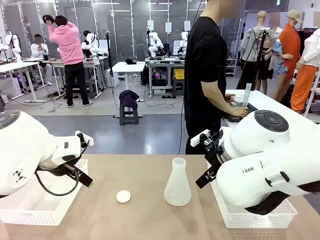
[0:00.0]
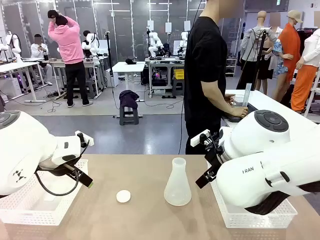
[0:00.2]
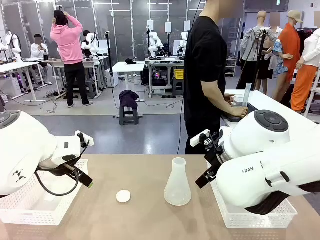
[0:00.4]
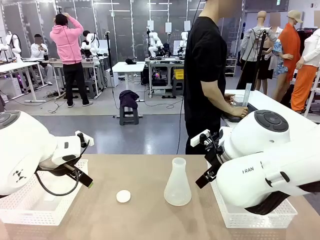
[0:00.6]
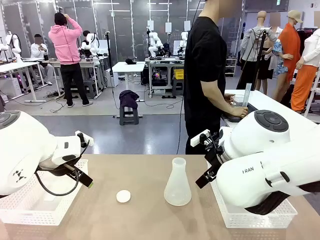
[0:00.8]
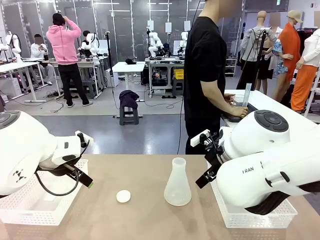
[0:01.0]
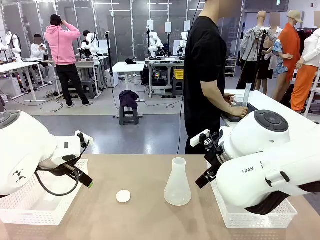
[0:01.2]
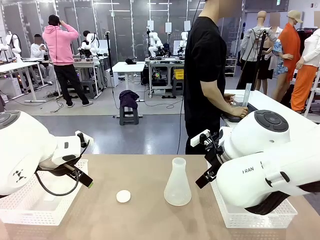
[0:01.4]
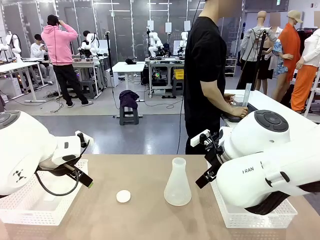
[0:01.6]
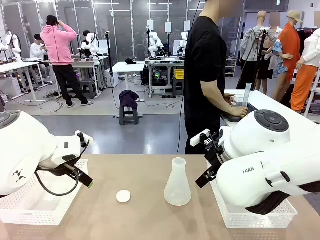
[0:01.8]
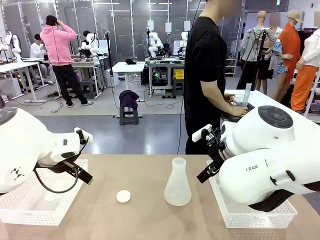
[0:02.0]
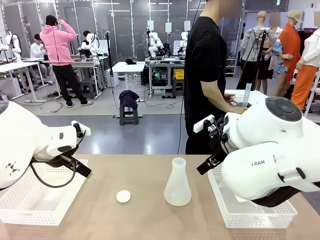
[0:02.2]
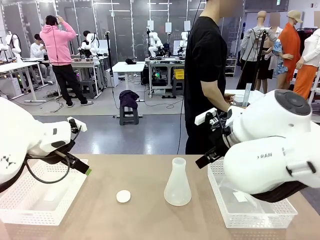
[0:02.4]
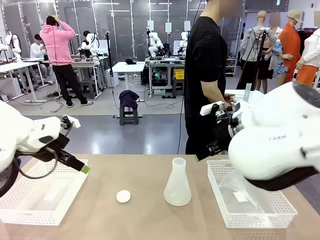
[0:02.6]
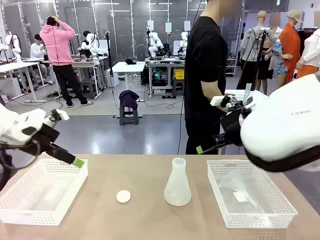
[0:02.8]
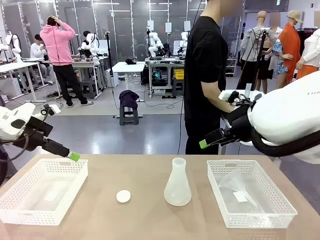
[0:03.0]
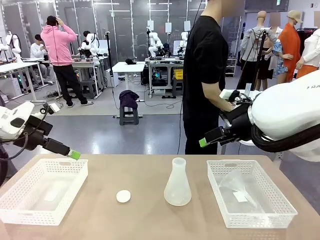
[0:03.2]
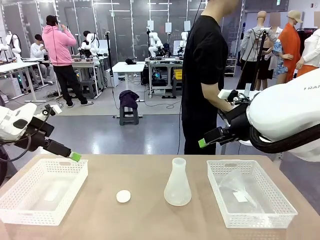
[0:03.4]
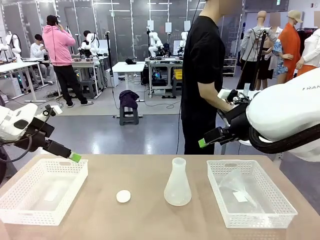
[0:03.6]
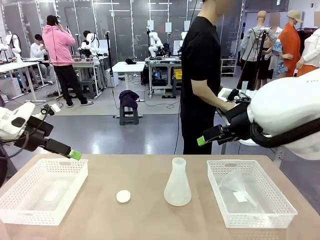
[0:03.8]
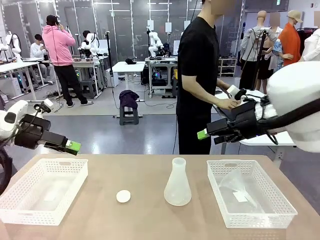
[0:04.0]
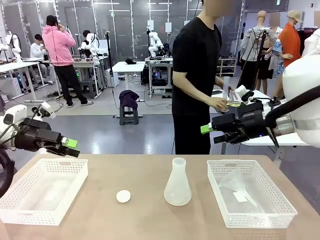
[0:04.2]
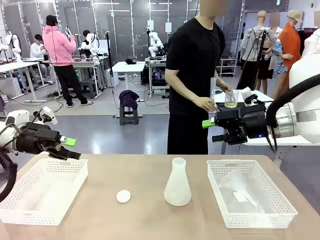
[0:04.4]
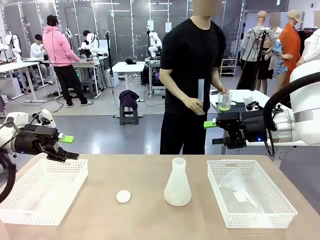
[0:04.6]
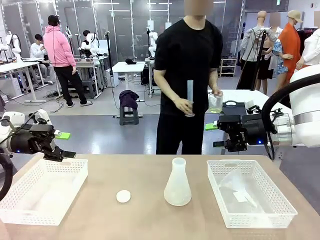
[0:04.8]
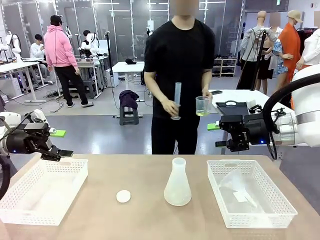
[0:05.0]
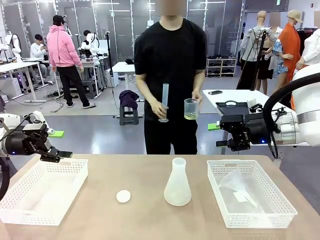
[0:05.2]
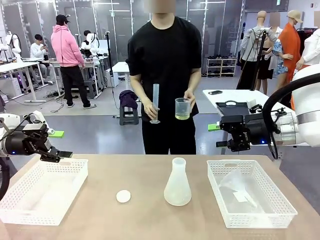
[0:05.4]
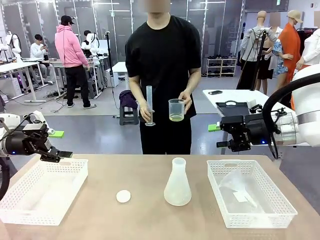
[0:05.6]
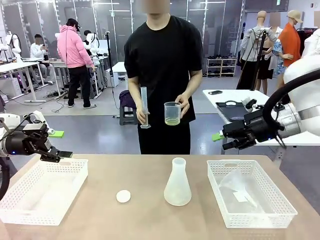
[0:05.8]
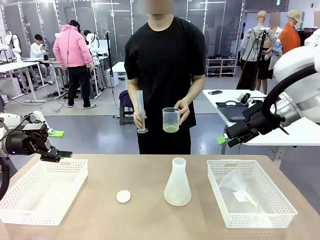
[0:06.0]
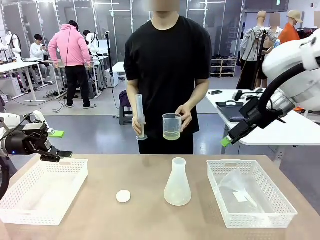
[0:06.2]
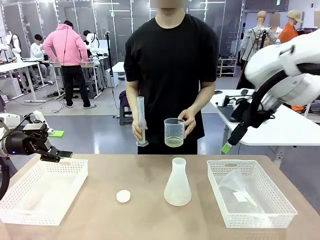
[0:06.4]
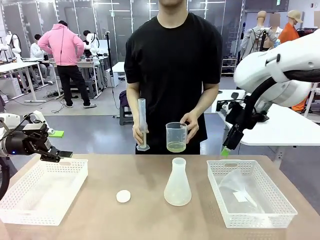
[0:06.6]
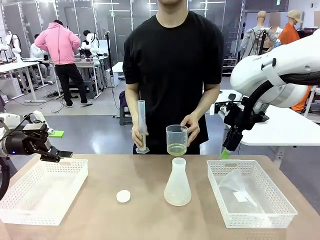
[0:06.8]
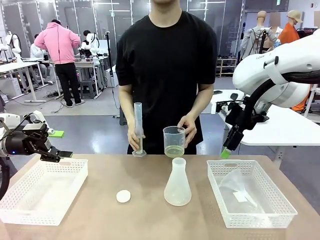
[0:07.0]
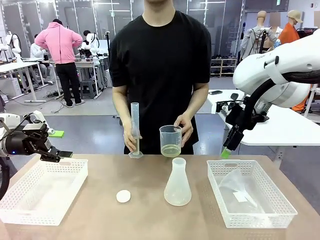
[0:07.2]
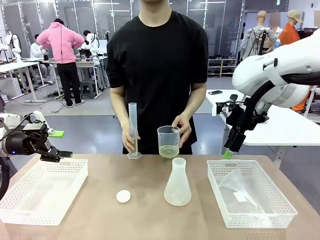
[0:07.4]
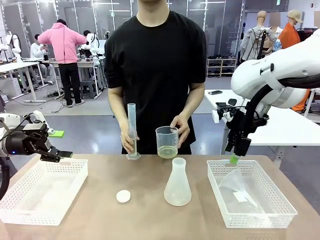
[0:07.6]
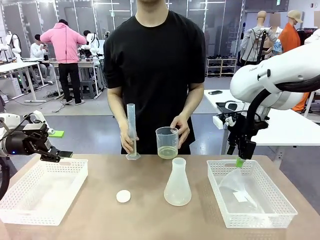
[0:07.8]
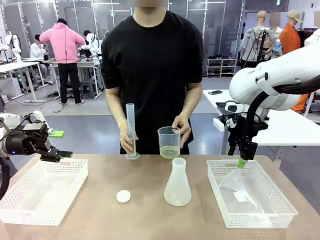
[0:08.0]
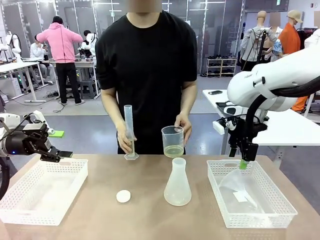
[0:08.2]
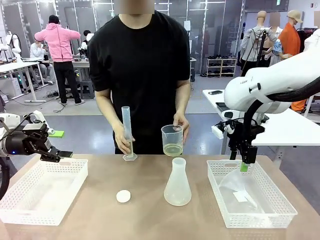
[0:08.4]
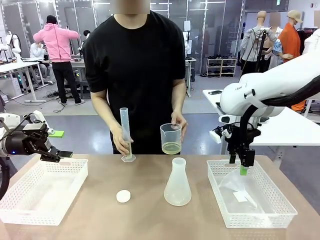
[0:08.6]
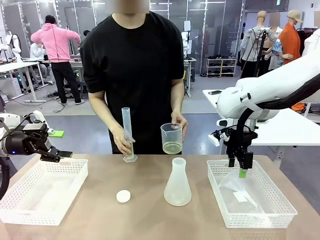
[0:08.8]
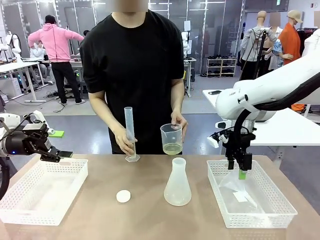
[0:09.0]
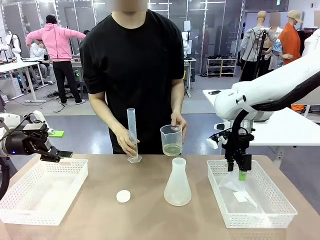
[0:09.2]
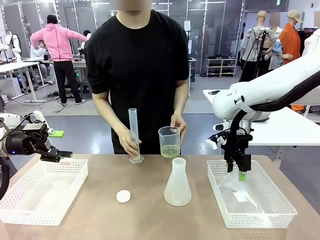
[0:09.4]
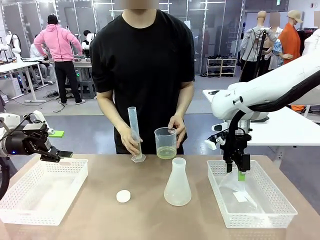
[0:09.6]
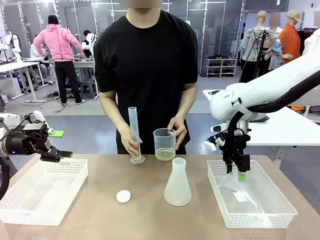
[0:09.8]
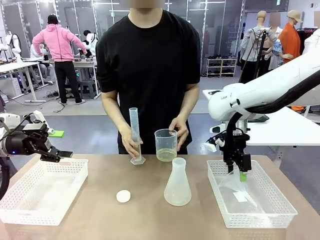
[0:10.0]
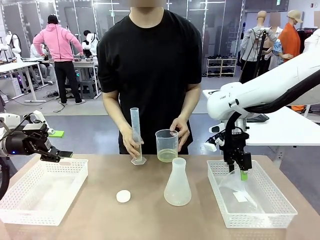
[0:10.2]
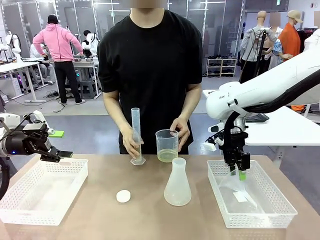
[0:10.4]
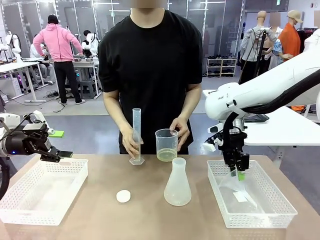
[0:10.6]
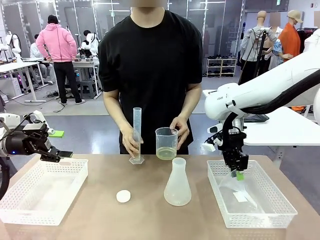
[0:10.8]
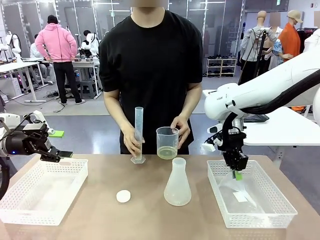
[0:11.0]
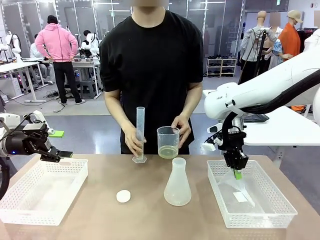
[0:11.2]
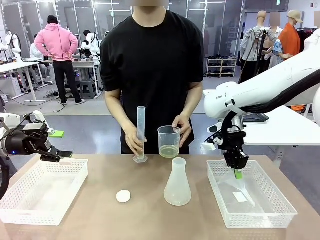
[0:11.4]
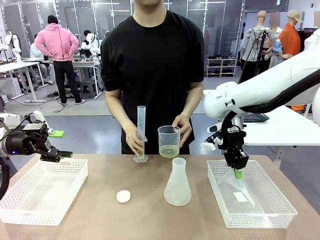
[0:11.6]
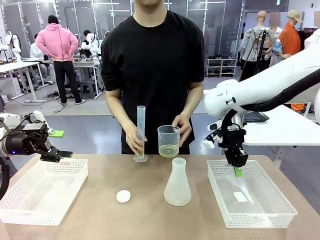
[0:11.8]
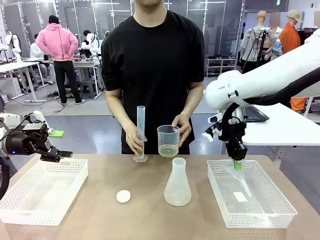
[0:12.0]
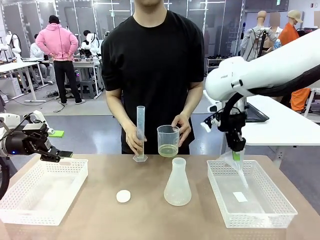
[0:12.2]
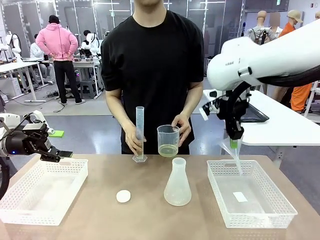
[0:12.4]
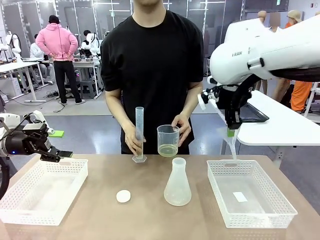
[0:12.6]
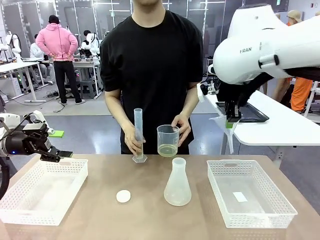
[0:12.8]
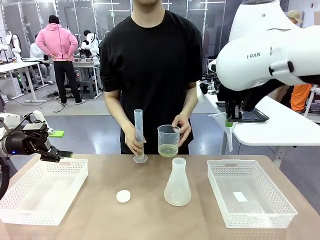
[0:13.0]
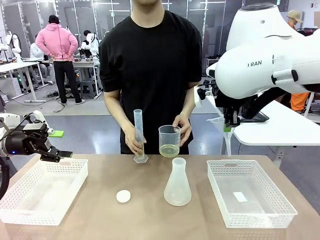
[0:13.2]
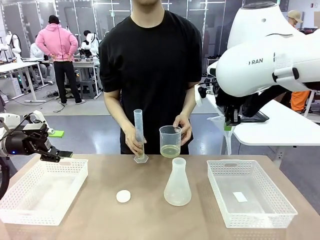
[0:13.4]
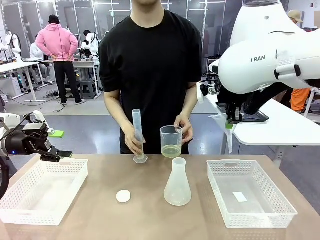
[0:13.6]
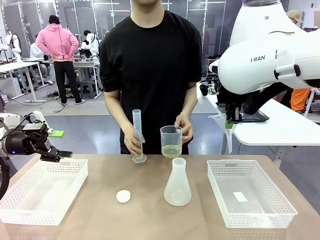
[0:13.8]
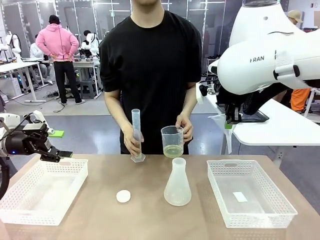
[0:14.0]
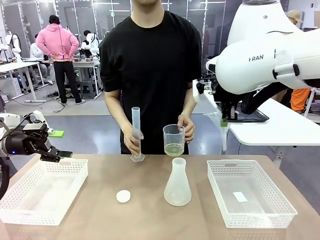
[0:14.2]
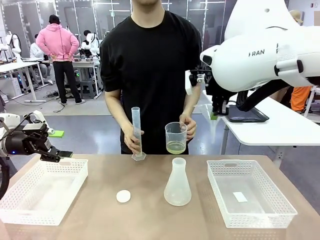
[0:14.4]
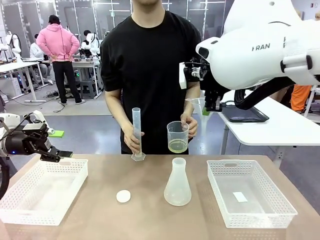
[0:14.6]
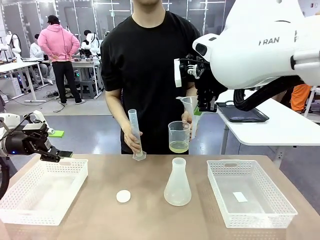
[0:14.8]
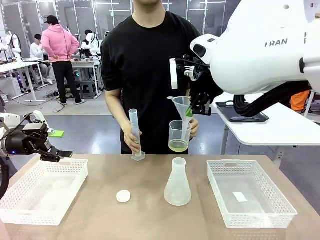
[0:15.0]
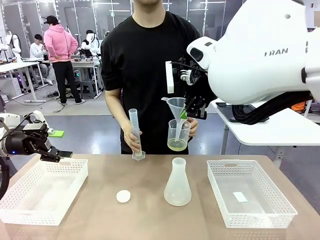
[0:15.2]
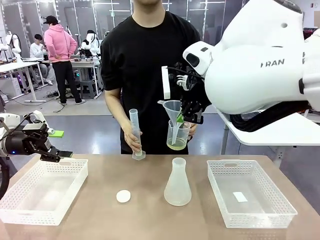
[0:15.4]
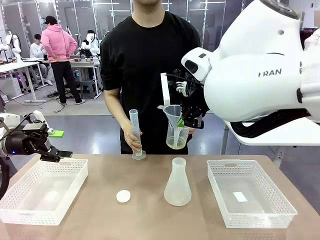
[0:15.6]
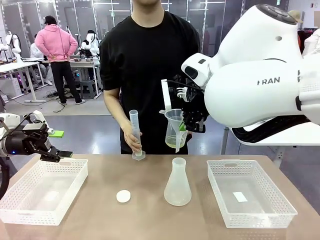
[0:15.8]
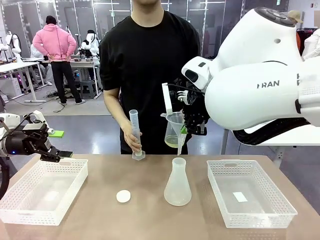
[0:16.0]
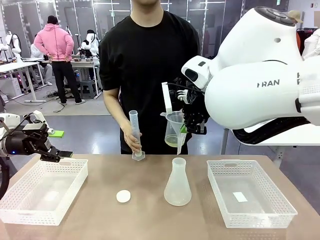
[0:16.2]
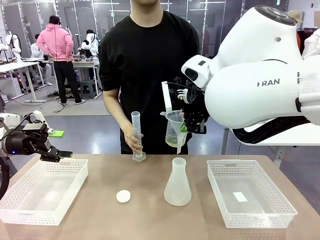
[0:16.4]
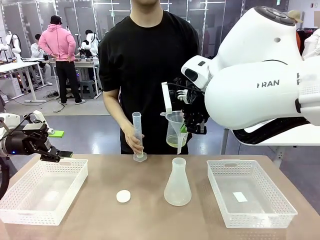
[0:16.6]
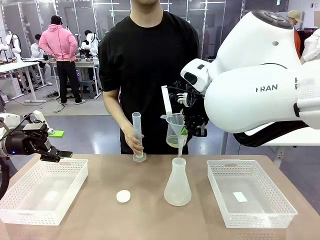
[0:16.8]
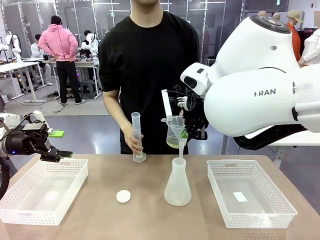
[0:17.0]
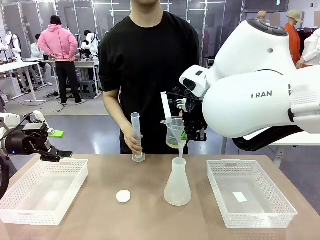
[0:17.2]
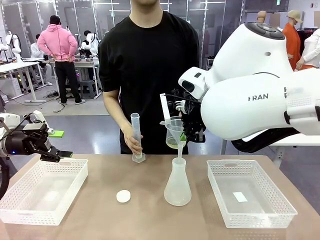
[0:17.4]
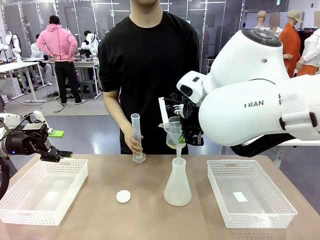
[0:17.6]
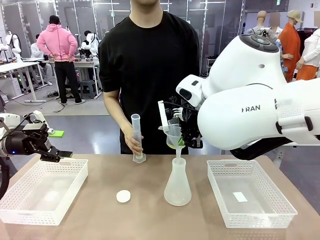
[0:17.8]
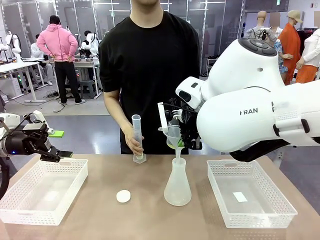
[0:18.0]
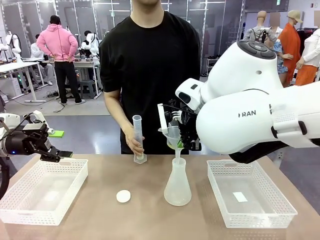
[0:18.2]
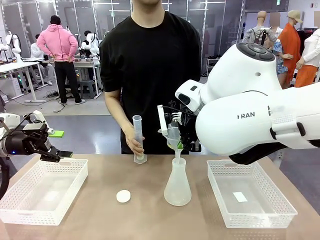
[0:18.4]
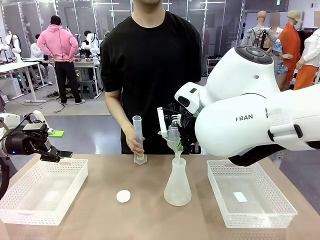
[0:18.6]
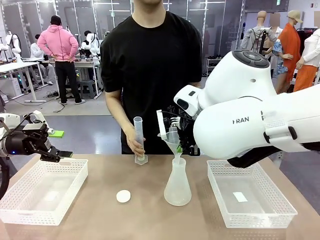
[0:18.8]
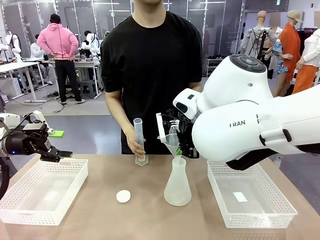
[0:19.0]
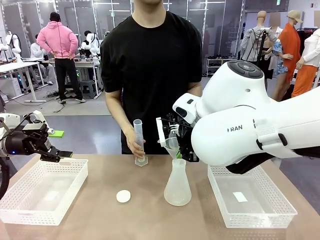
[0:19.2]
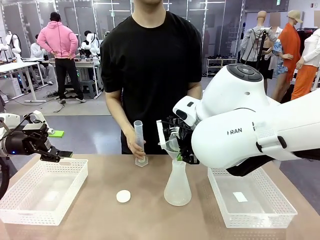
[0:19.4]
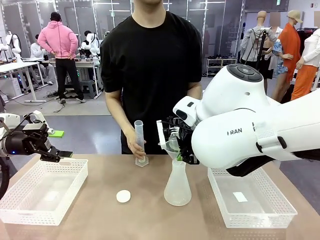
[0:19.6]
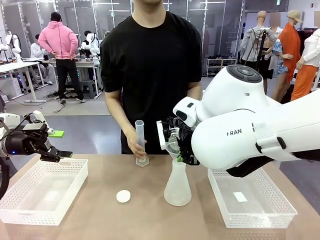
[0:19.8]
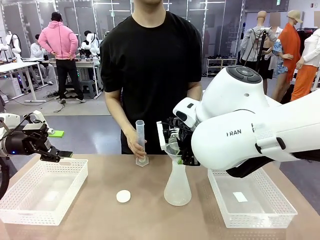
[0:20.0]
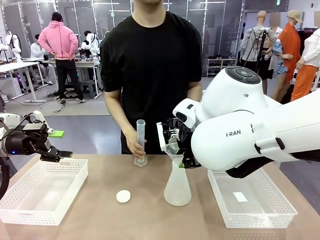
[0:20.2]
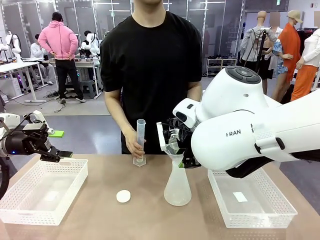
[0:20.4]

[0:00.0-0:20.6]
Task: Prepare the solutions needed for the experiment.
Robot: Pick up the Plastic Funnel and insert it into the Big flask.
Person: Pick up the beaker and the cylinder and move to the middle of the robot table. Pour the solution from the beaker and the cylinder into the flask.
